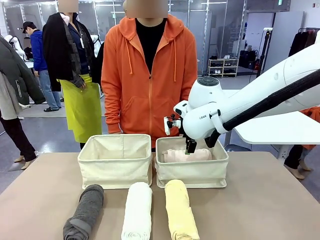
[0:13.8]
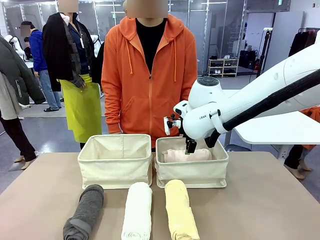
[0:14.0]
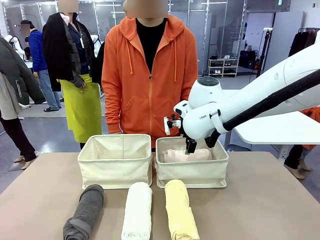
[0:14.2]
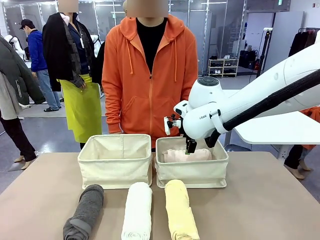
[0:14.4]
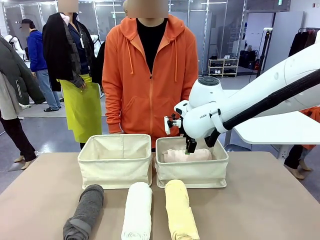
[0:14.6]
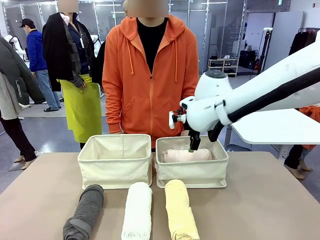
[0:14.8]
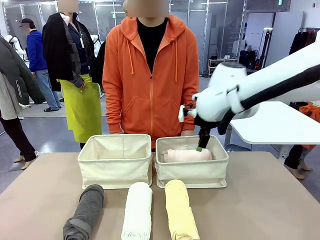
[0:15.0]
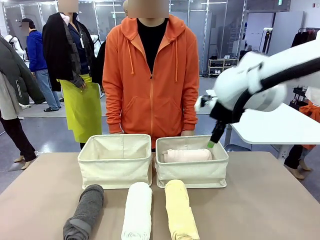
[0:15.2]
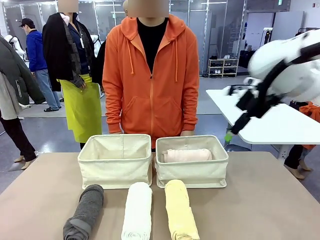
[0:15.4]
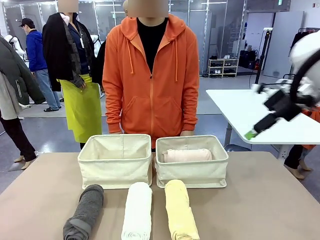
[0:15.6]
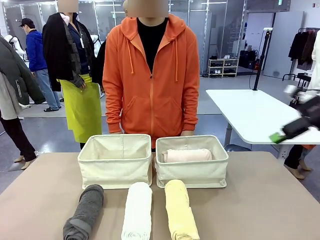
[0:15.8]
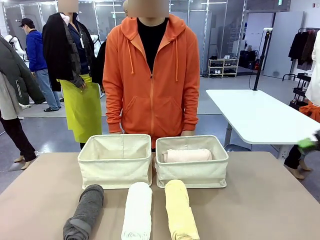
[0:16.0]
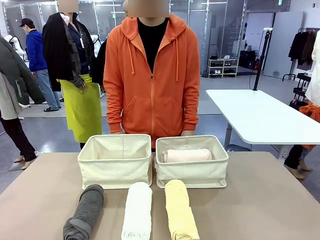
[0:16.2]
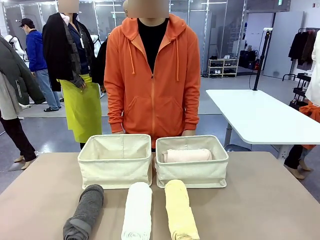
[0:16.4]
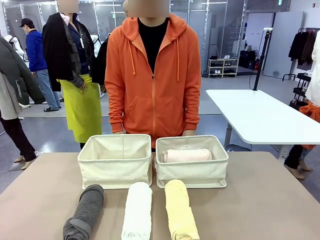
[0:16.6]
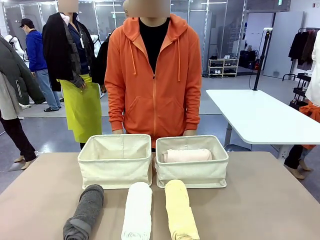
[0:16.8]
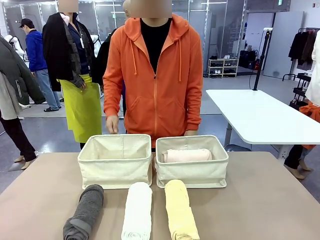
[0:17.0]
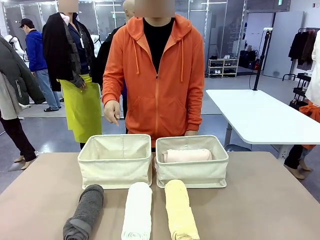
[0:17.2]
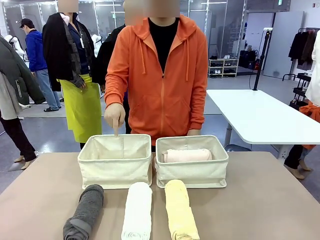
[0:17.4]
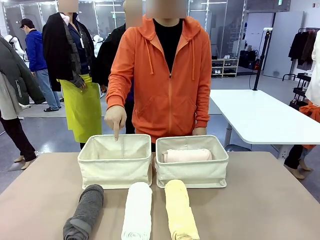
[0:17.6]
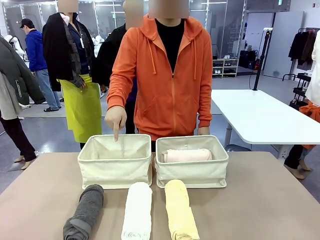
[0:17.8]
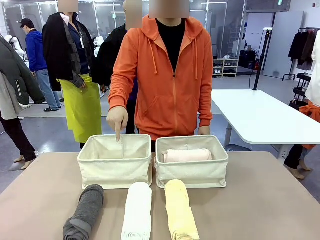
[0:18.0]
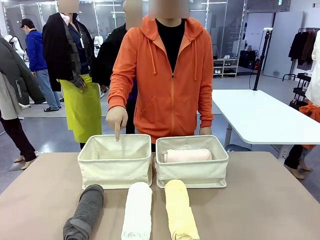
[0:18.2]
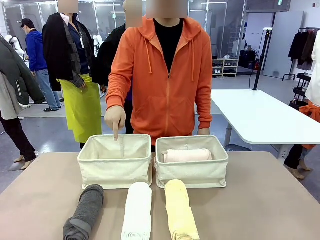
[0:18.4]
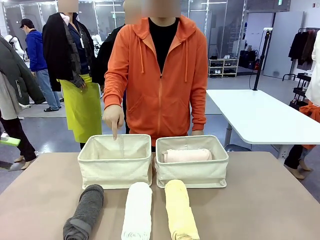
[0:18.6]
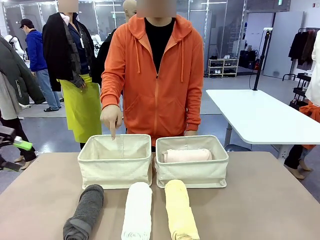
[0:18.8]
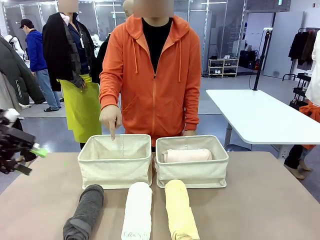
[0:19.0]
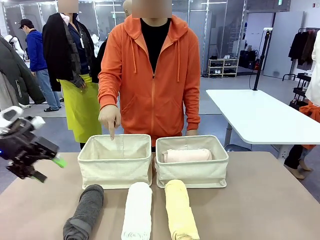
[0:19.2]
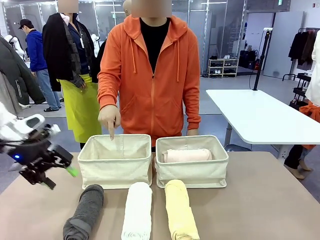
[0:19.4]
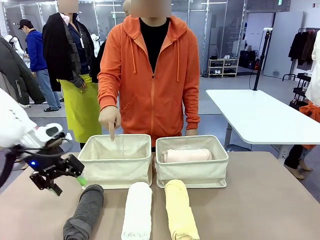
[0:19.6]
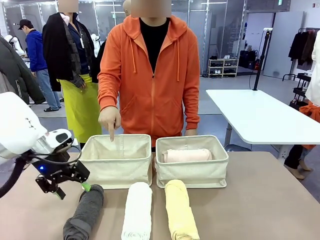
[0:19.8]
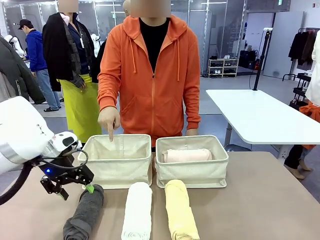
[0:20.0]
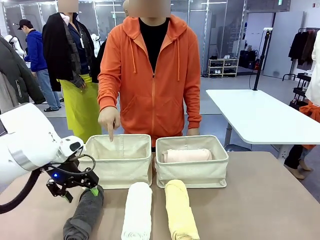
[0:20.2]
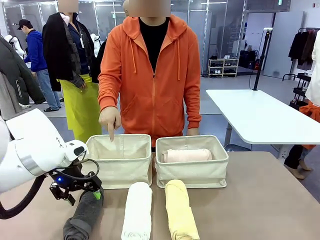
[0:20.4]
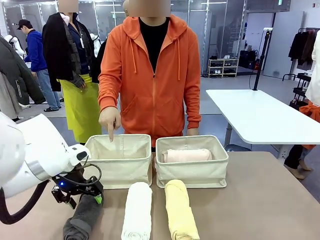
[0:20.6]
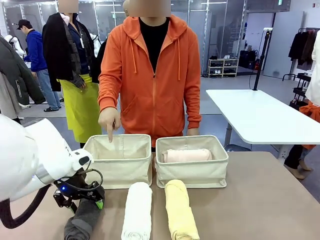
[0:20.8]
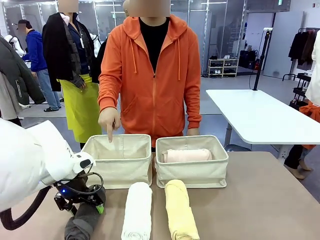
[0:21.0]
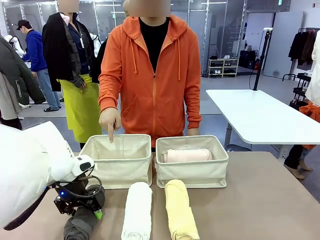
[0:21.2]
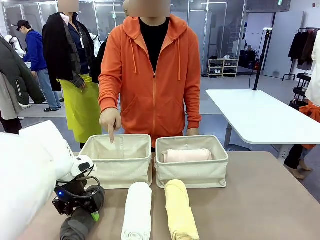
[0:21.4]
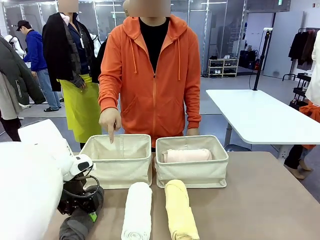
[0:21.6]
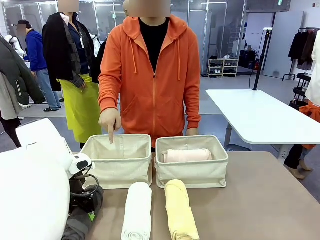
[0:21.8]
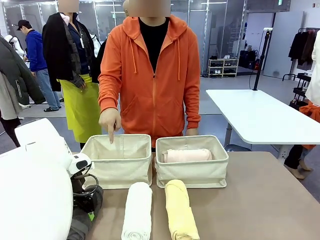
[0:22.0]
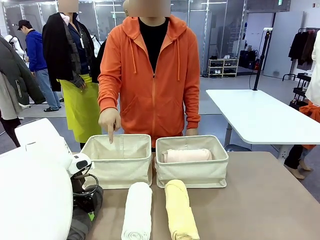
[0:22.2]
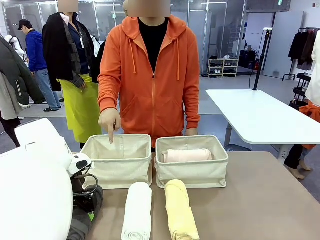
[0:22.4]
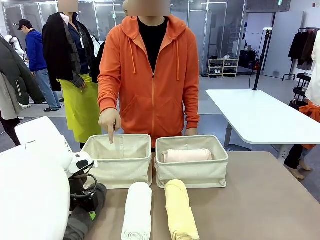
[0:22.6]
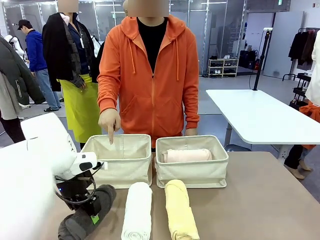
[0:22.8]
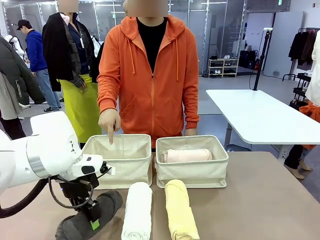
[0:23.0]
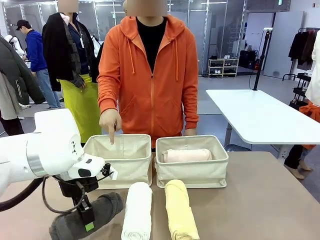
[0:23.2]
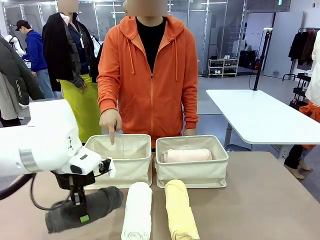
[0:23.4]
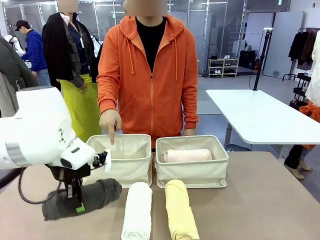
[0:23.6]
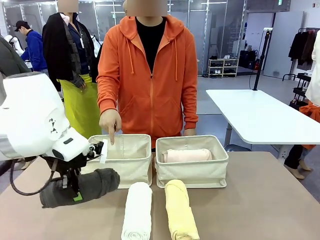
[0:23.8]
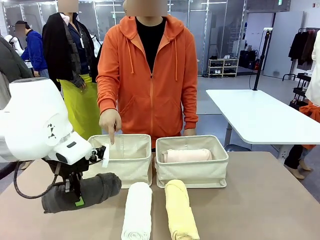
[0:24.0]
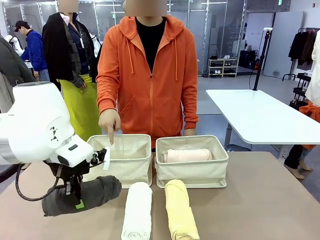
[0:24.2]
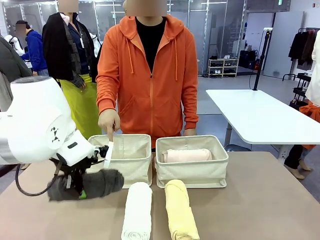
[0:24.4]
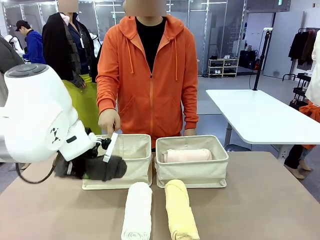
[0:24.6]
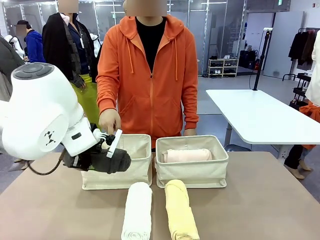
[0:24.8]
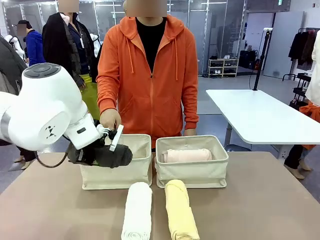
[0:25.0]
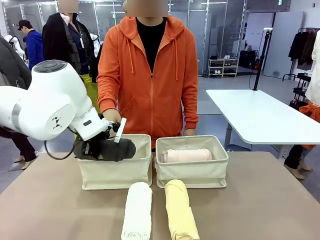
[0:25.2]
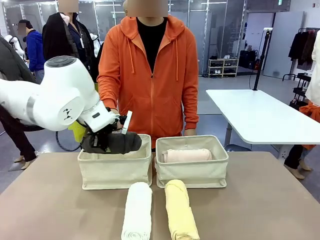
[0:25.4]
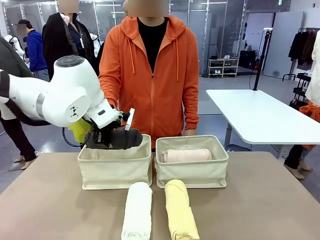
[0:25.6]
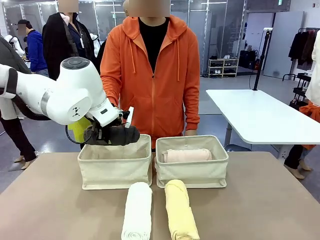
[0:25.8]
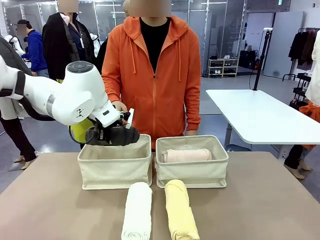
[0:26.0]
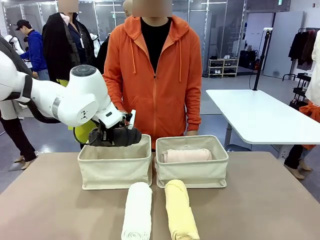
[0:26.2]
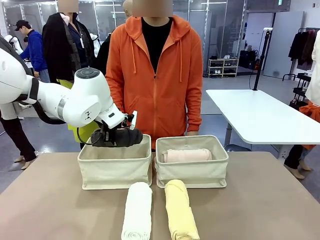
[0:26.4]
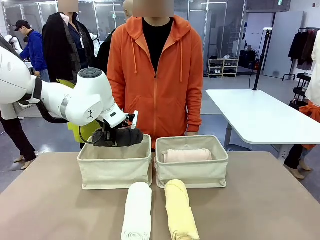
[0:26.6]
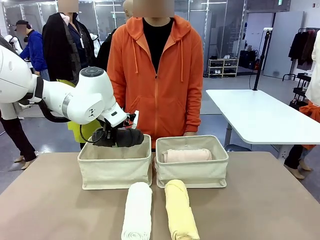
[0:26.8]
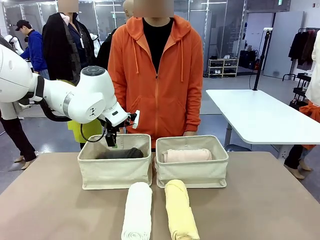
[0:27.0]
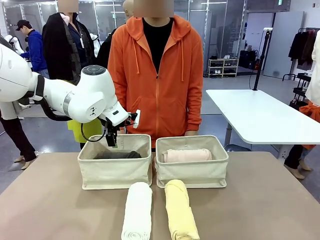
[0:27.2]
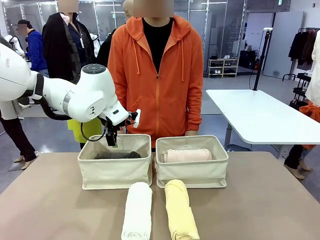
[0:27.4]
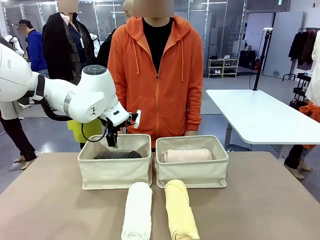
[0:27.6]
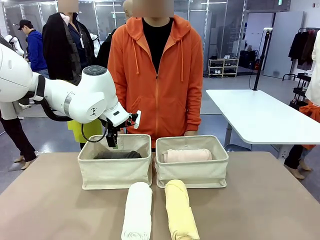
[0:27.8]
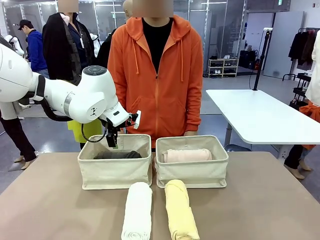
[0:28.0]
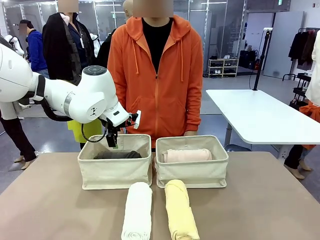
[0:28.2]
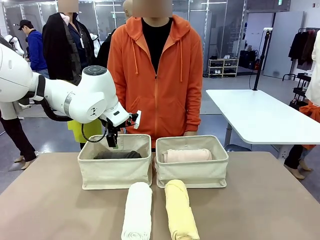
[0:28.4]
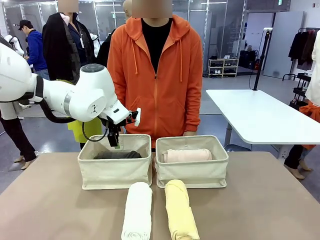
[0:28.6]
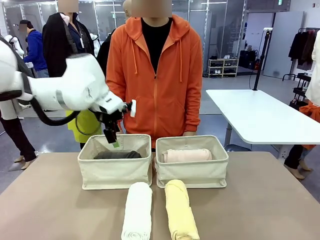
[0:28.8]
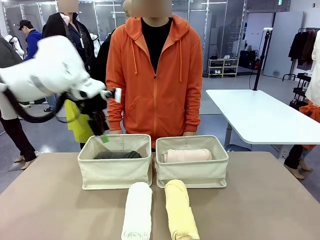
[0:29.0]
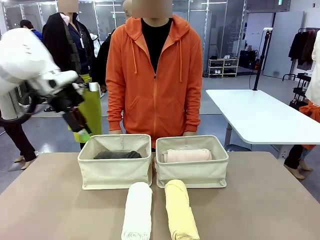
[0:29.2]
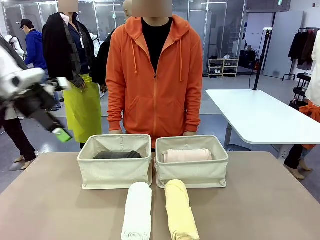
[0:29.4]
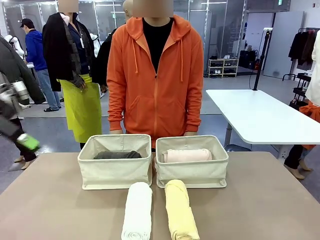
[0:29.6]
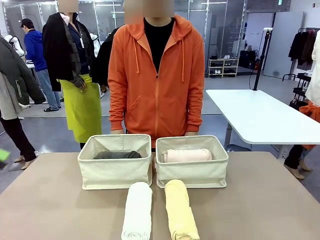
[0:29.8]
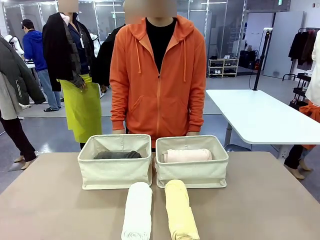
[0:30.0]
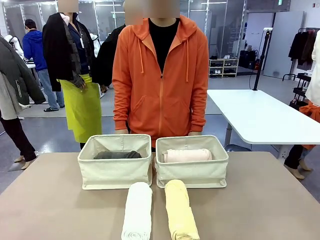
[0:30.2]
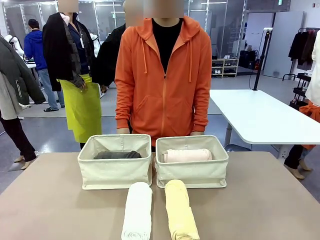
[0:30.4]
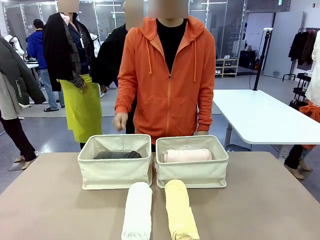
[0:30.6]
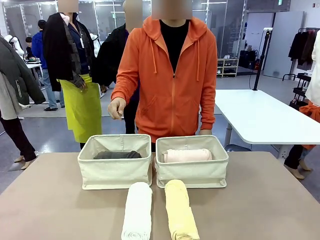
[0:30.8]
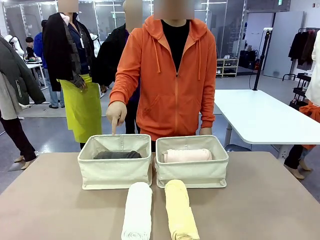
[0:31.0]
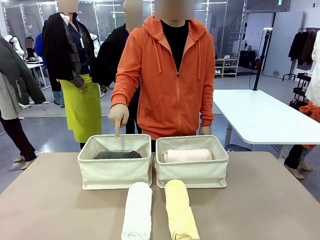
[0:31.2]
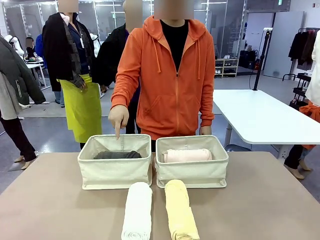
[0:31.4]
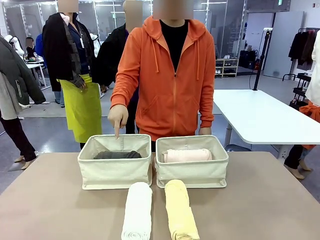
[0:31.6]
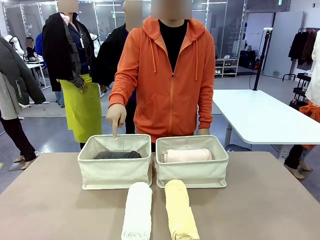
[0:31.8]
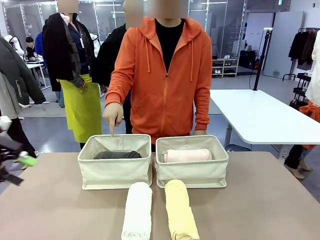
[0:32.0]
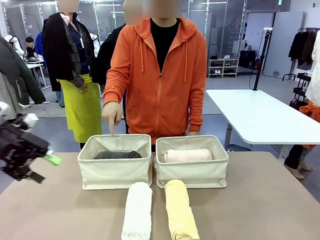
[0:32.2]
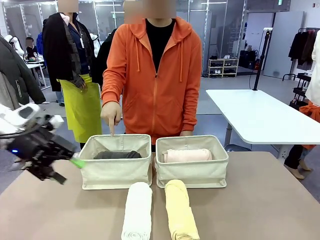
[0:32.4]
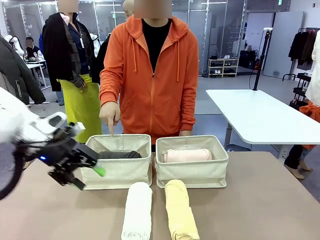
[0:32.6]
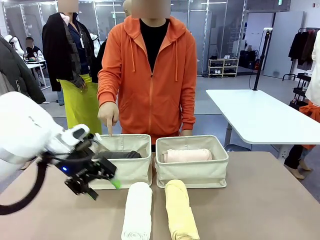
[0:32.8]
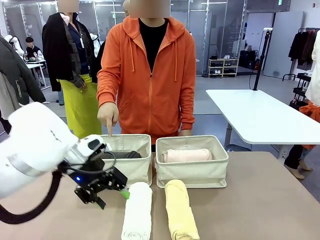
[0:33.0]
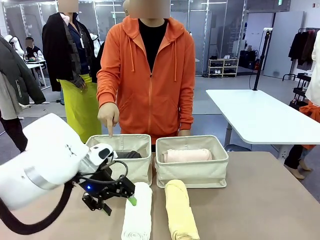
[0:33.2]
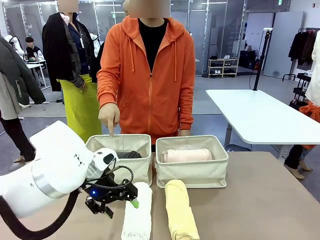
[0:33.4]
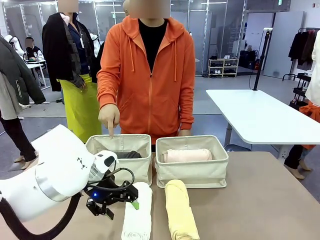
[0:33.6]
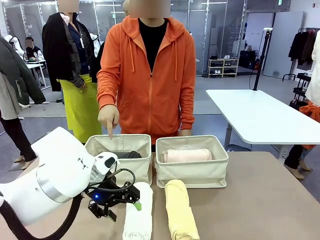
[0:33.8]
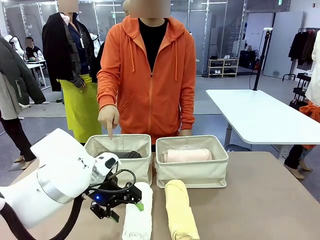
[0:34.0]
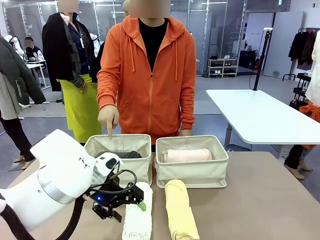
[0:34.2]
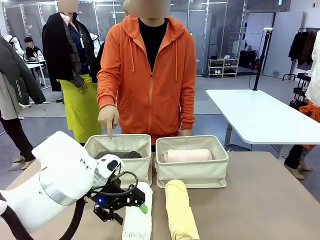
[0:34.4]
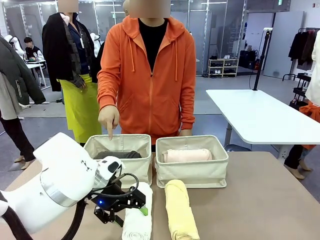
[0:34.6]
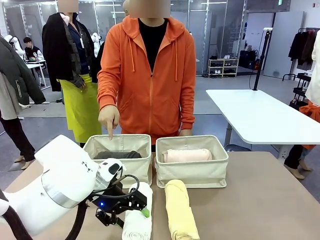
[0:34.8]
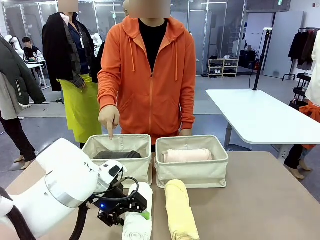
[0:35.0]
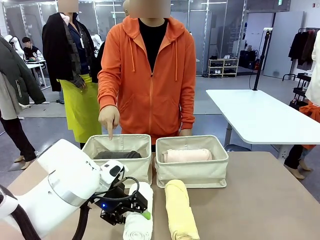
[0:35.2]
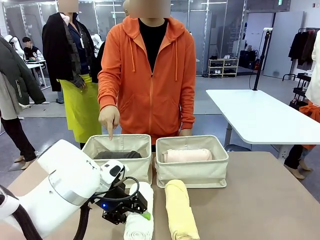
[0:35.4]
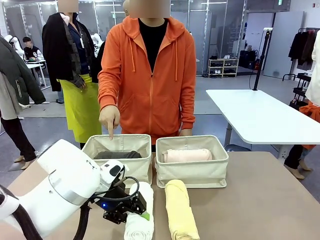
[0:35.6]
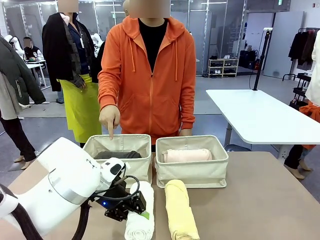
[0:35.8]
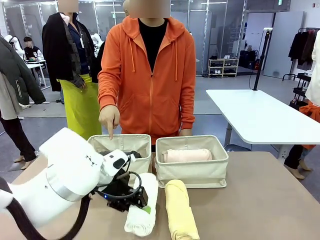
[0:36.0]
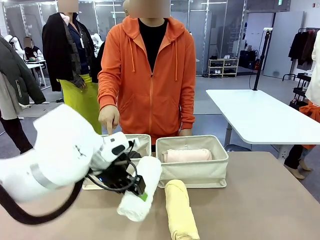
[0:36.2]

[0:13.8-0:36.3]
Task: Divide the towels into two baskets.
Robot: Pick up one hotel-folded towel from the bottom of the table and place it in the Fabric basket indicated by the person.
